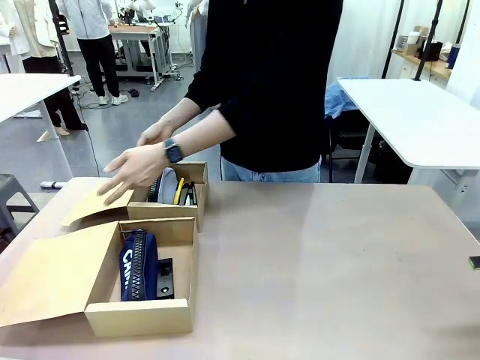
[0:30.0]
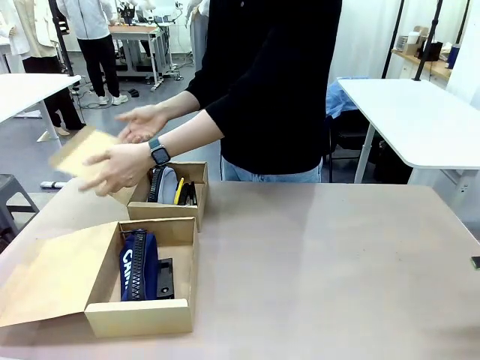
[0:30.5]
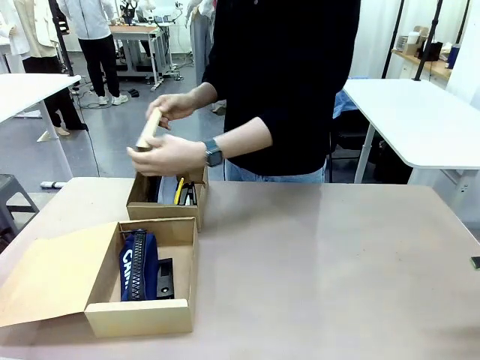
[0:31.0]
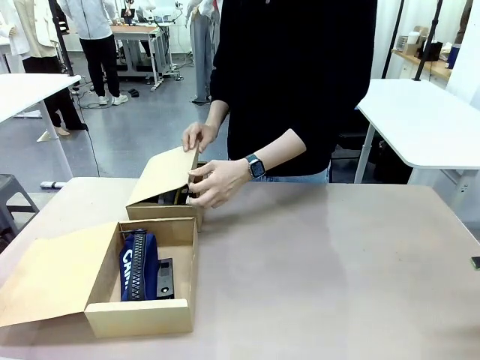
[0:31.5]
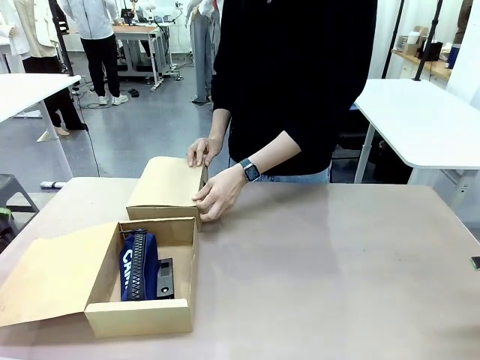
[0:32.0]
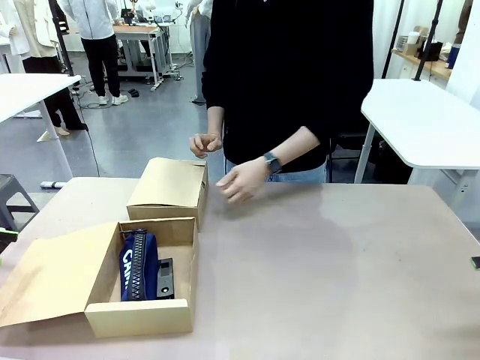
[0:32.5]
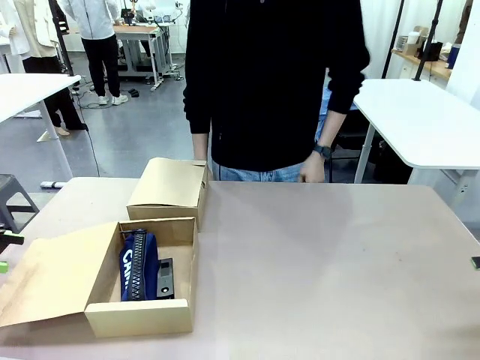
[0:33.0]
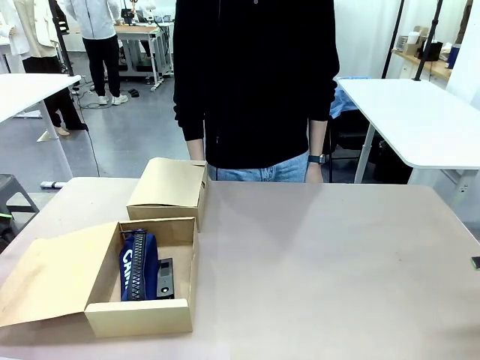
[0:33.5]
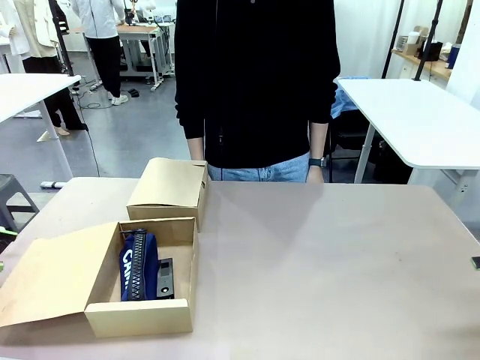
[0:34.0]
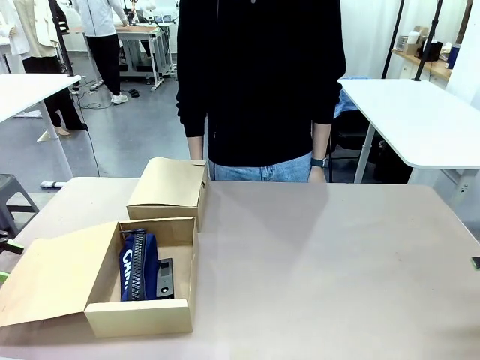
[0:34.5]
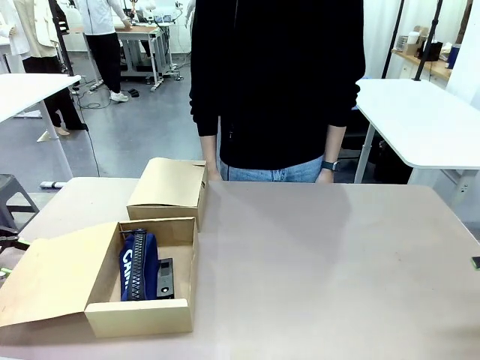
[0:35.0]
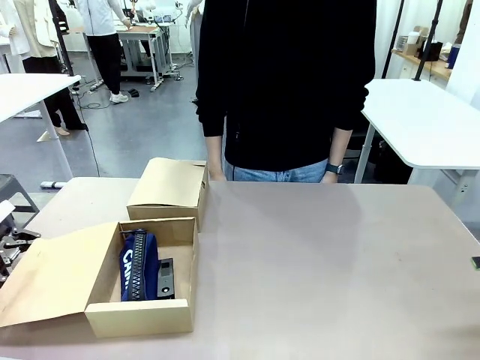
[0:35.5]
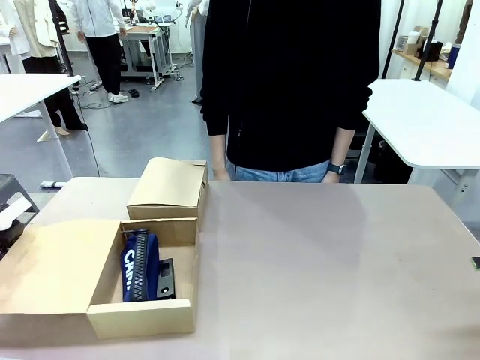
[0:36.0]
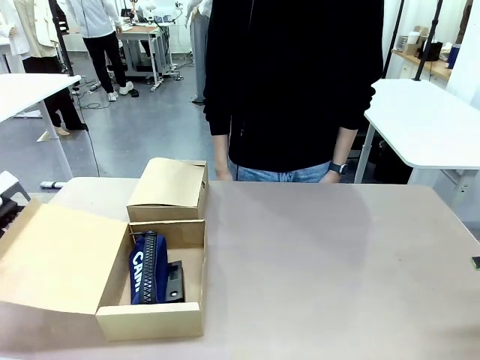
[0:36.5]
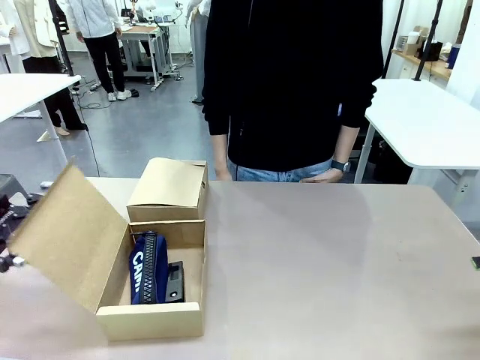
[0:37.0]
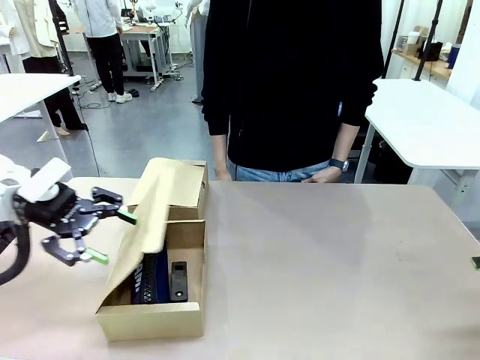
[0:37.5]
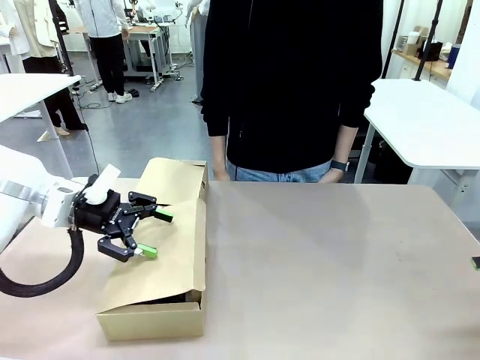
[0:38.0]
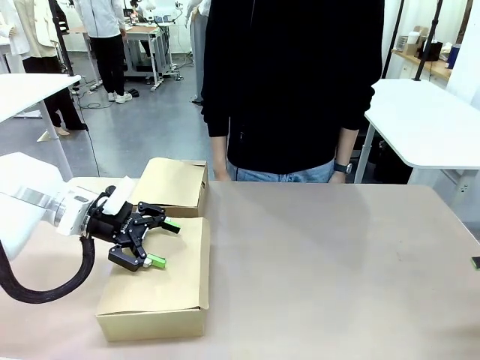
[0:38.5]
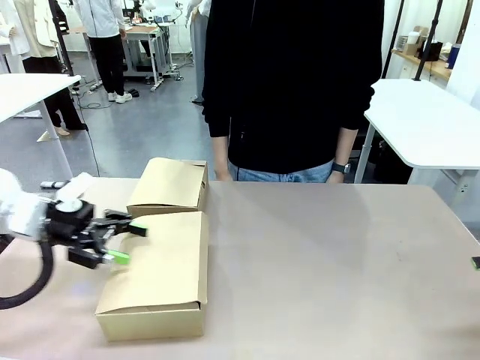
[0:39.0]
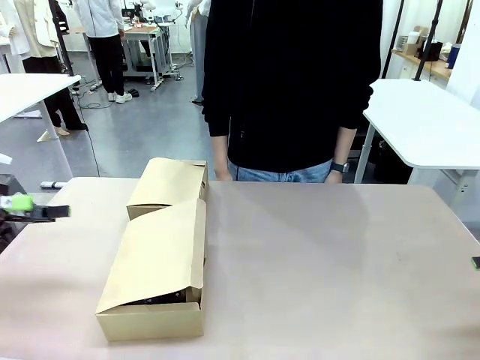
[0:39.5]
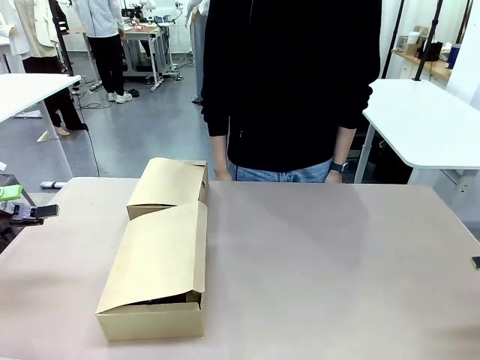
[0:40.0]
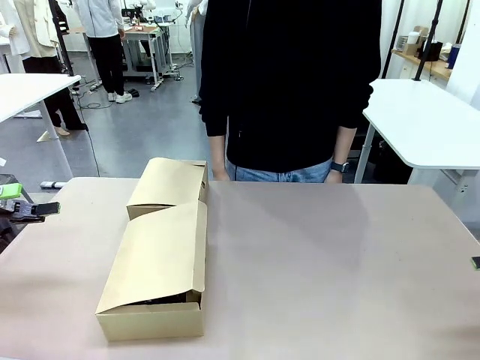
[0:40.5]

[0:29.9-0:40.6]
Task: Place items inside the box.
Robot: Close the lid of the Mailer Box closest to the robot.
Person: Close the lid of the box facing the person.

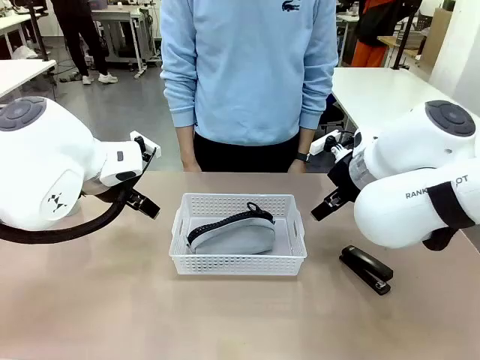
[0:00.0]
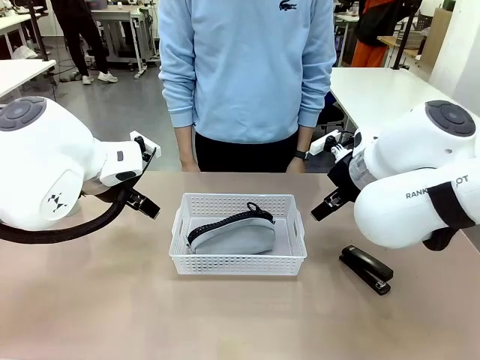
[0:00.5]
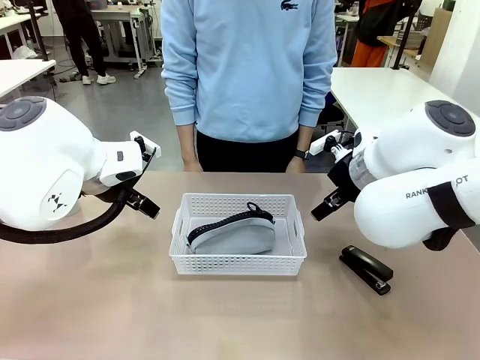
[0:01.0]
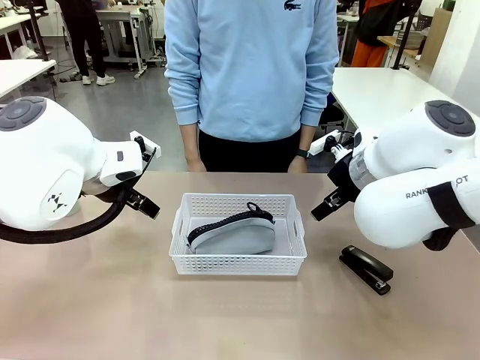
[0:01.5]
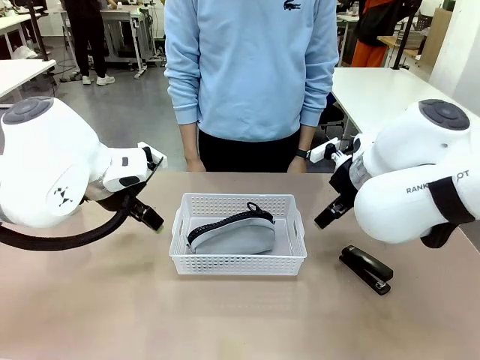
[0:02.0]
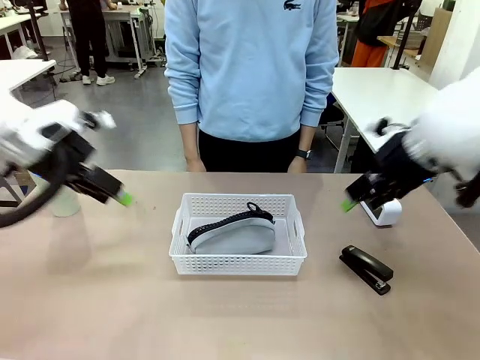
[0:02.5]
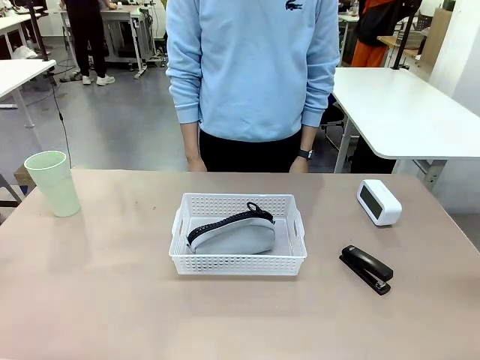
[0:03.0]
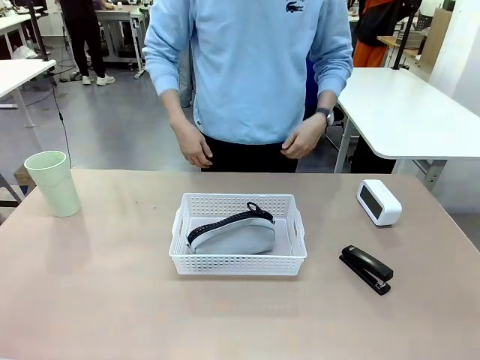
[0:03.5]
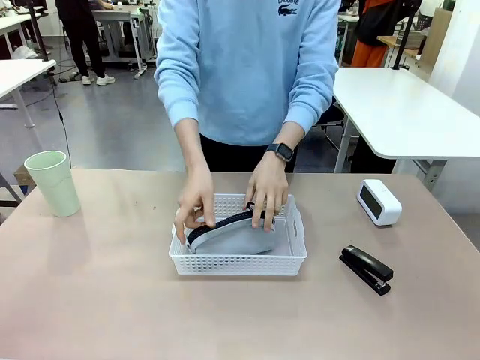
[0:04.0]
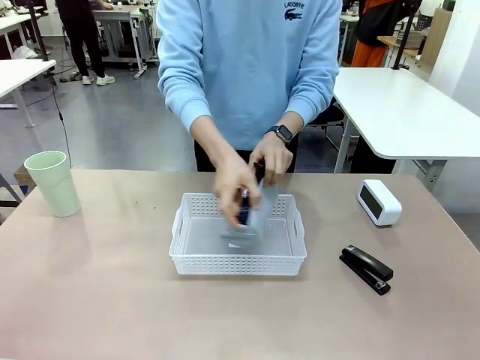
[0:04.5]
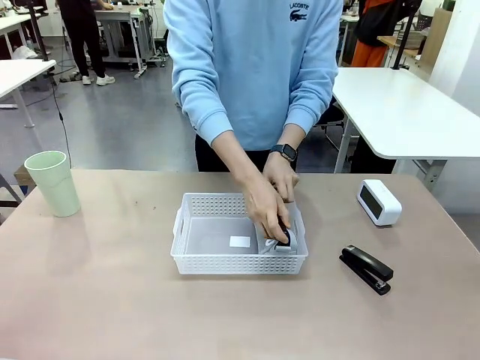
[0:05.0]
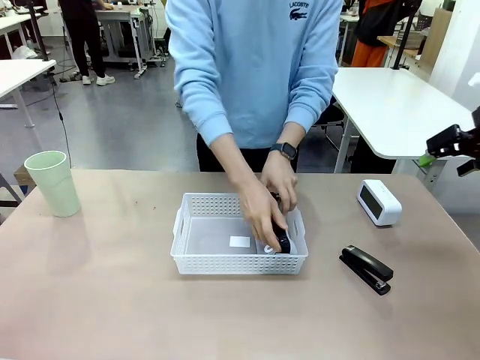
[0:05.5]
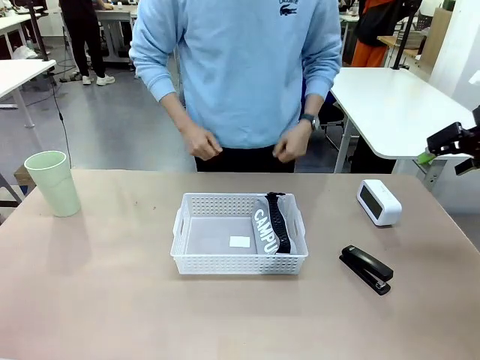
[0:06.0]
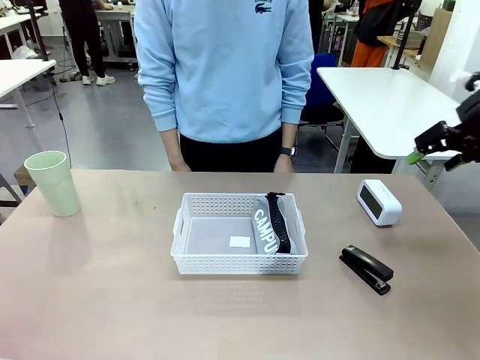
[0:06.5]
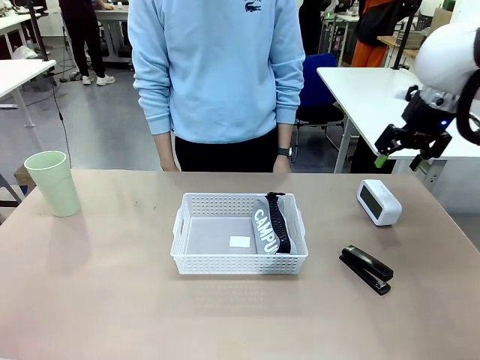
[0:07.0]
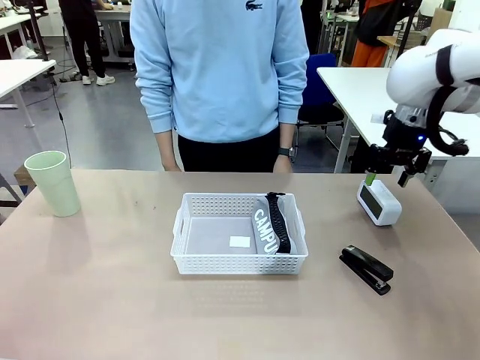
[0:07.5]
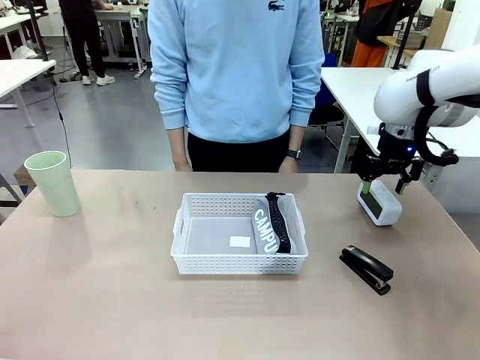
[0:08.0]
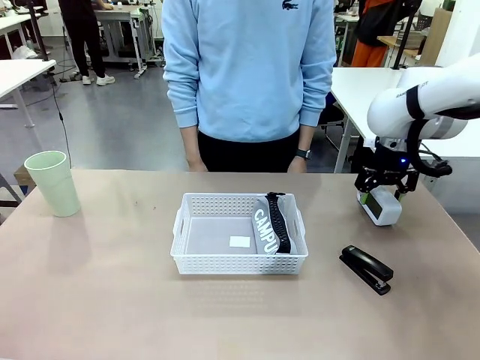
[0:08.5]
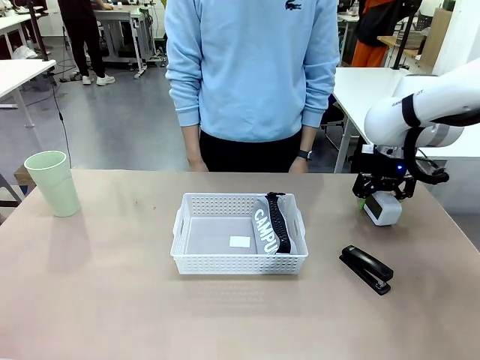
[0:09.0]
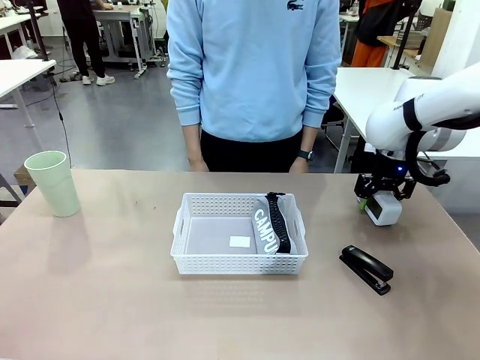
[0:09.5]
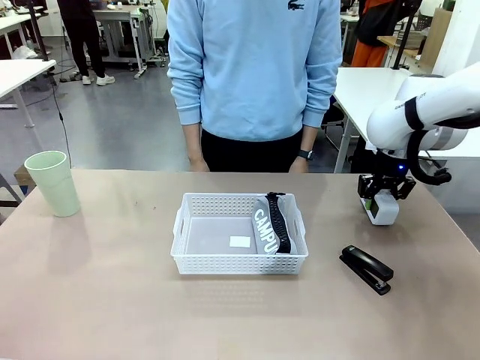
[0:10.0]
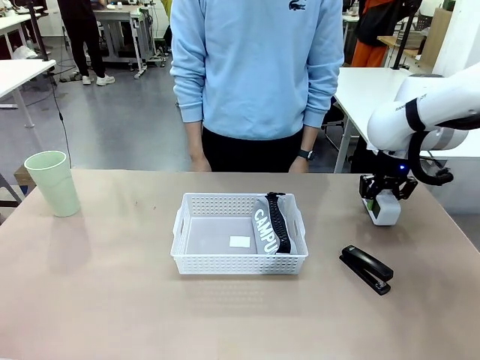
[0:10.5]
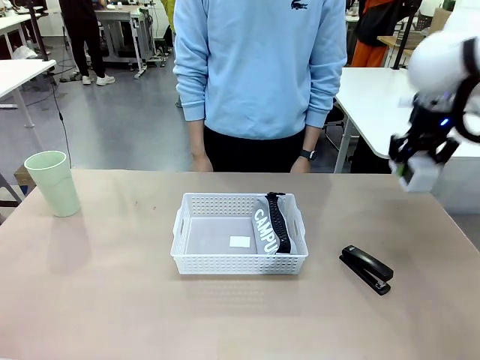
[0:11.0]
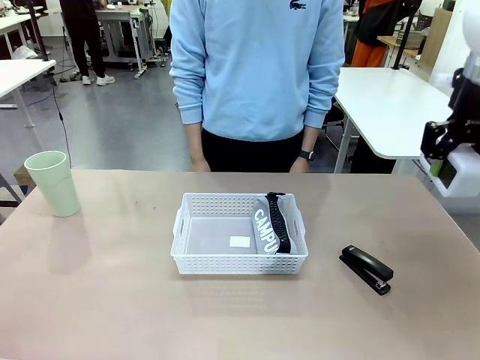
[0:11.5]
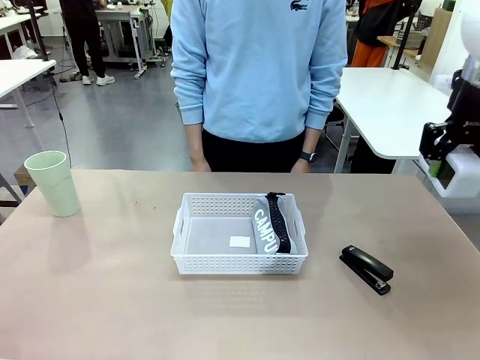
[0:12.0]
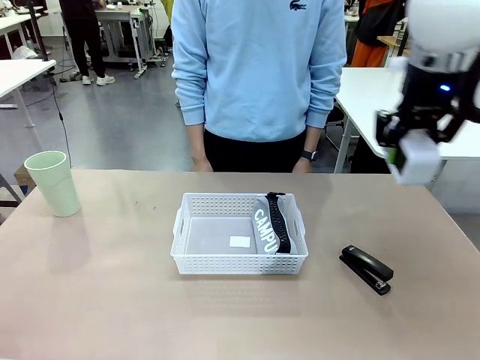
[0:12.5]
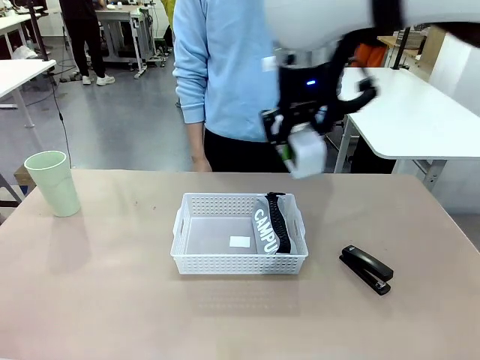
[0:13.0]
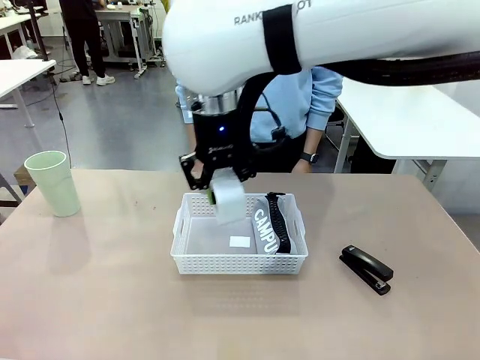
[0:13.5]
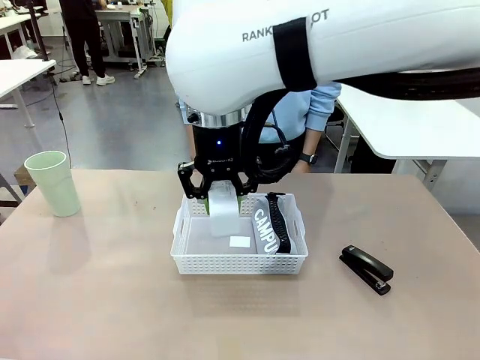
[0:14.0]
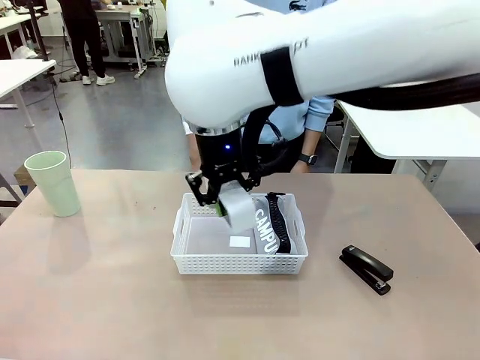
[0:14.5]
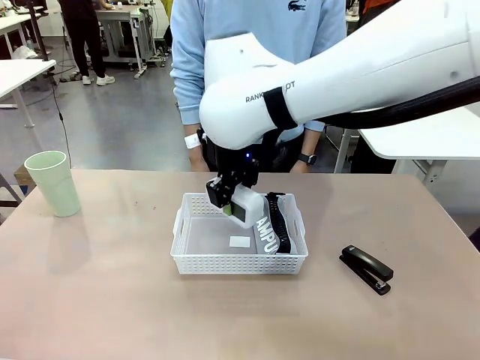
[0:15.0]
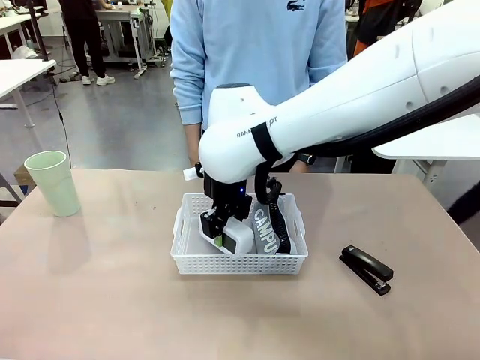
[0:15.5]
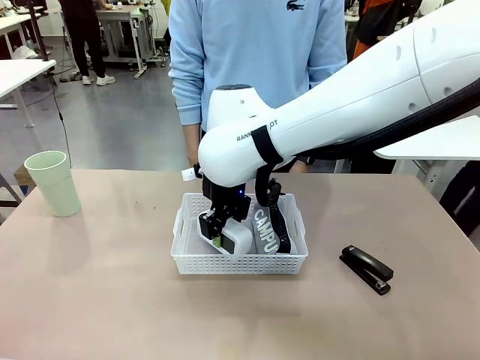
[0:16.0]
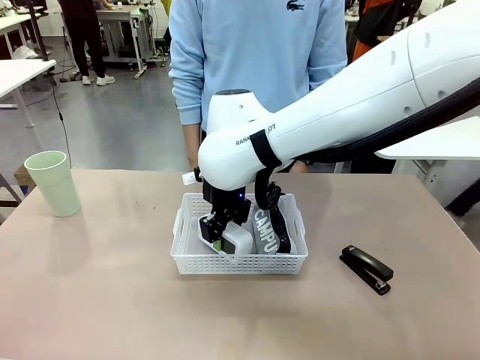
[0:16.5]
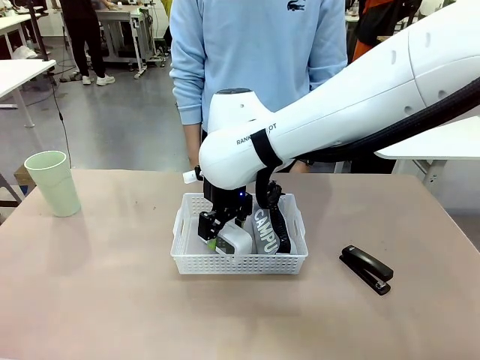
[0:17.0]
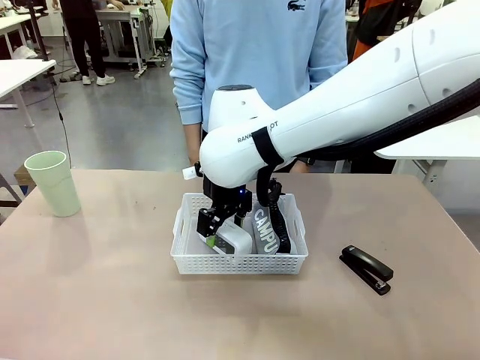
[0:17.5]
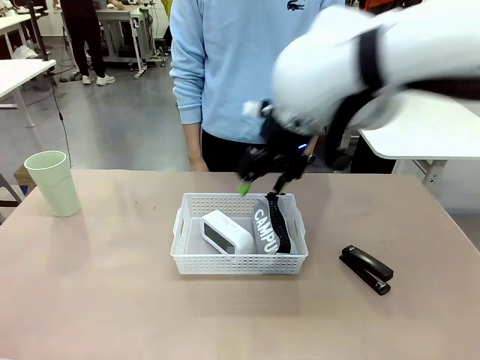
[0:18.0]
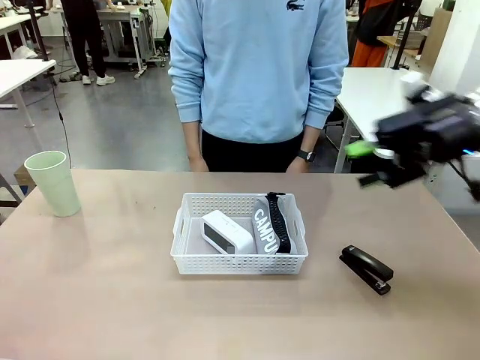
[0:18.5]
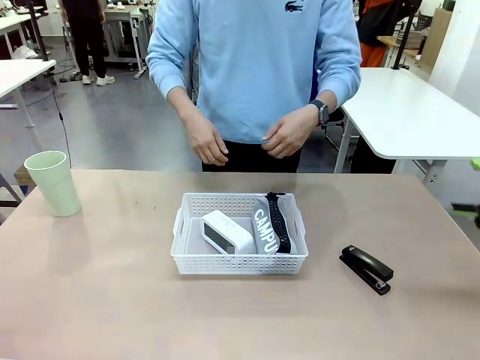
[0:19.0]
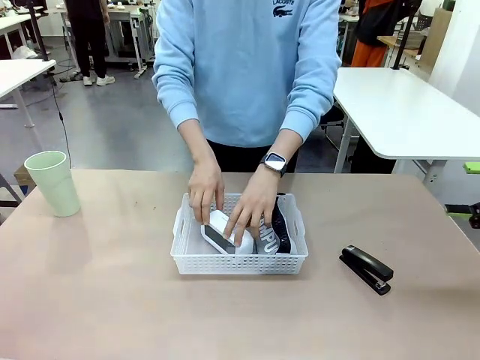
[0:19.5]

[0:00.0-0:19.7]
Task: Efficiently arrange items inside the basket to fit them all.
Robot: Pick up the Digital clock and place it inside the Organizing basket.
Person: Repositions the pencil case. Repositions the digital clock.
